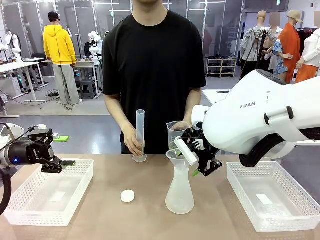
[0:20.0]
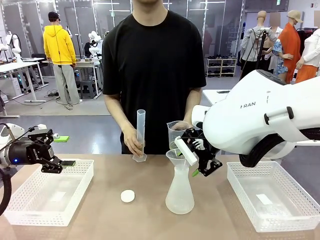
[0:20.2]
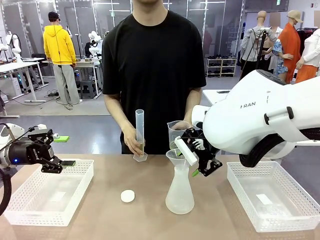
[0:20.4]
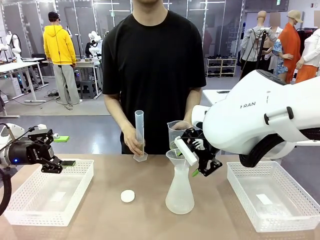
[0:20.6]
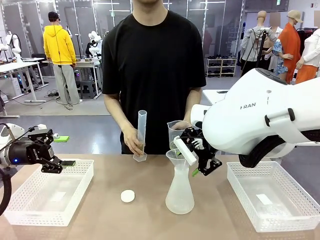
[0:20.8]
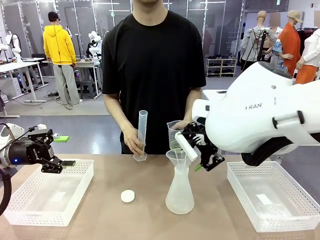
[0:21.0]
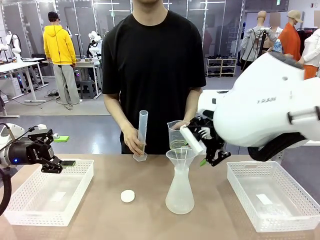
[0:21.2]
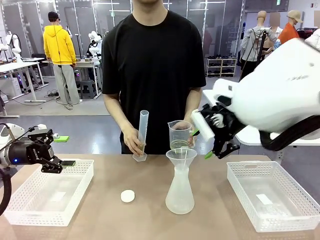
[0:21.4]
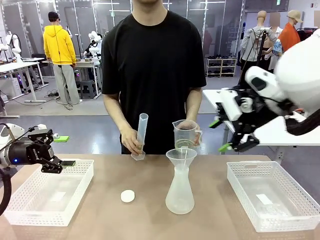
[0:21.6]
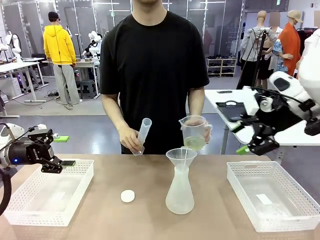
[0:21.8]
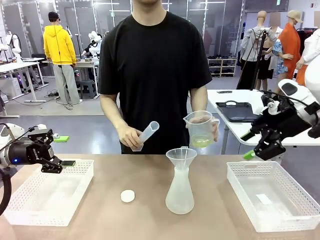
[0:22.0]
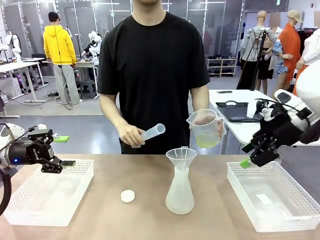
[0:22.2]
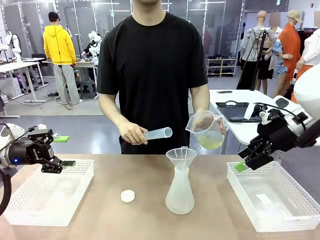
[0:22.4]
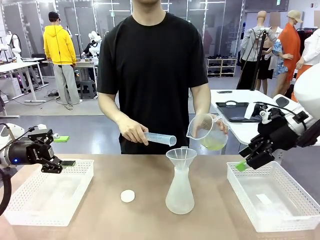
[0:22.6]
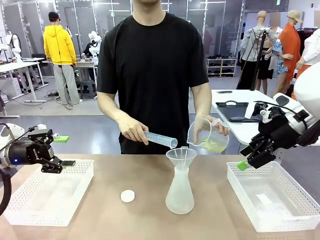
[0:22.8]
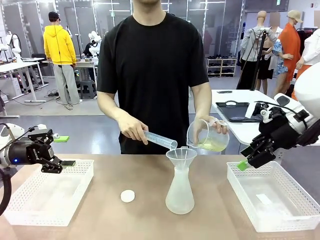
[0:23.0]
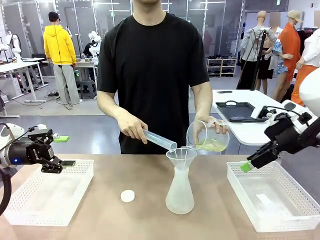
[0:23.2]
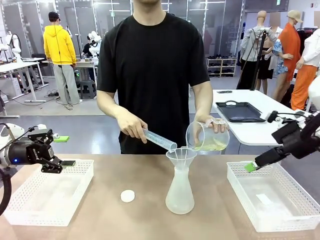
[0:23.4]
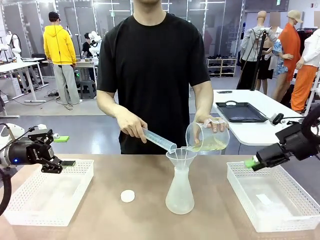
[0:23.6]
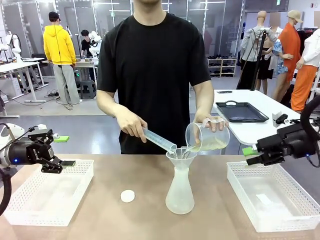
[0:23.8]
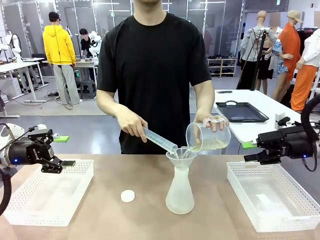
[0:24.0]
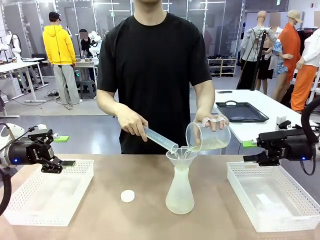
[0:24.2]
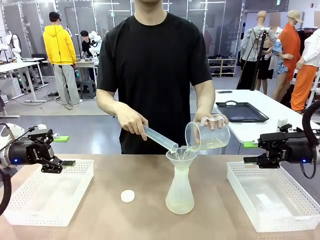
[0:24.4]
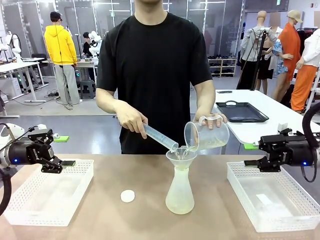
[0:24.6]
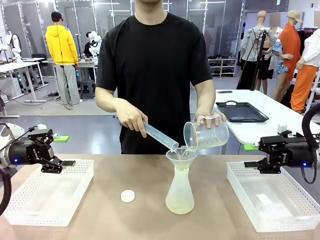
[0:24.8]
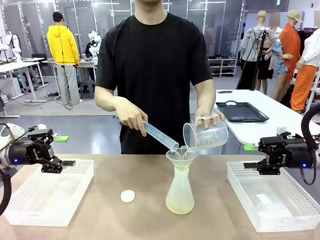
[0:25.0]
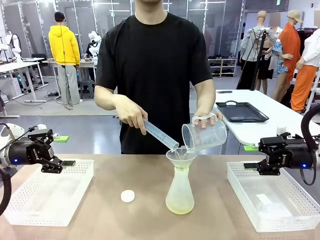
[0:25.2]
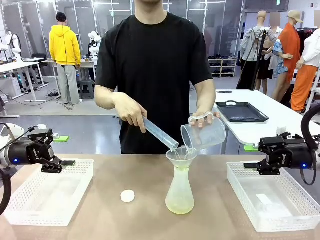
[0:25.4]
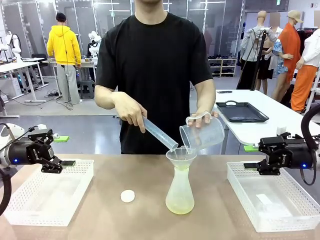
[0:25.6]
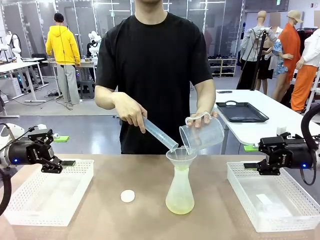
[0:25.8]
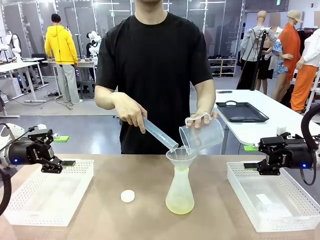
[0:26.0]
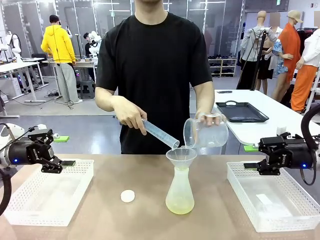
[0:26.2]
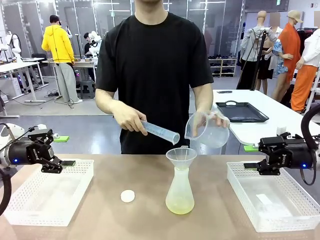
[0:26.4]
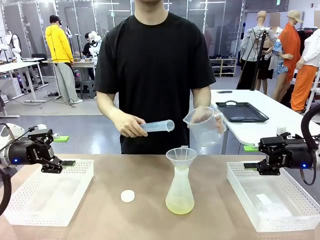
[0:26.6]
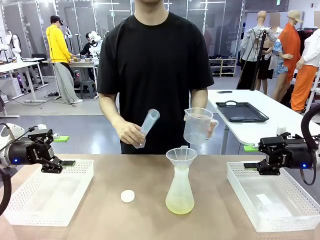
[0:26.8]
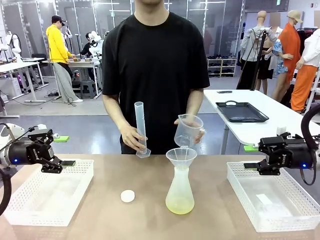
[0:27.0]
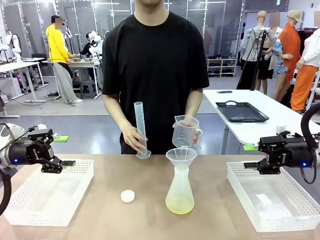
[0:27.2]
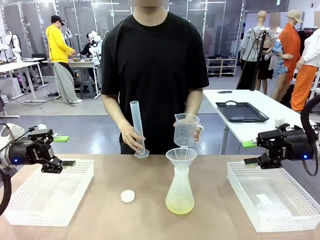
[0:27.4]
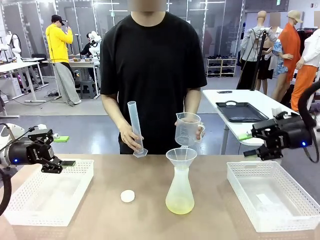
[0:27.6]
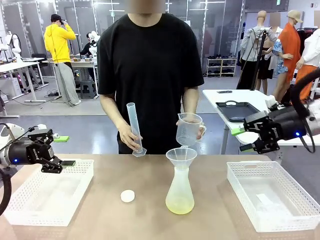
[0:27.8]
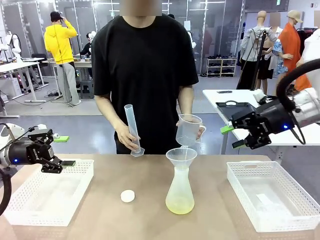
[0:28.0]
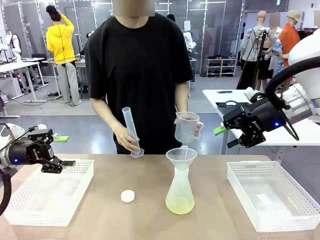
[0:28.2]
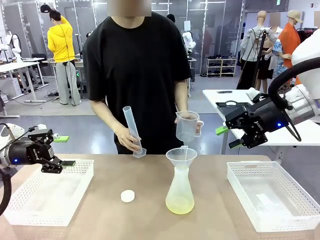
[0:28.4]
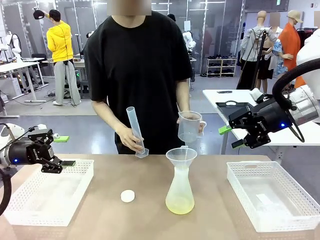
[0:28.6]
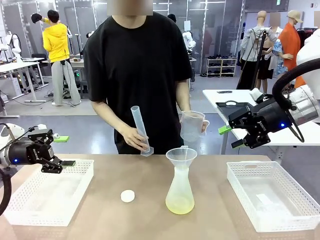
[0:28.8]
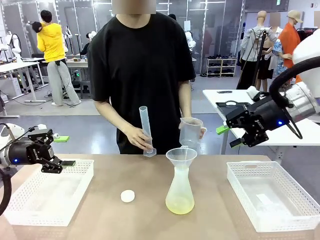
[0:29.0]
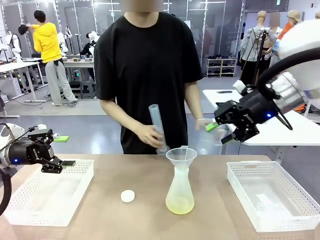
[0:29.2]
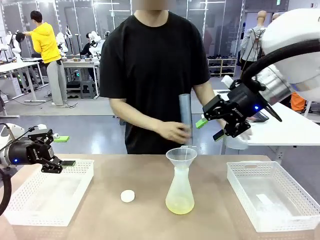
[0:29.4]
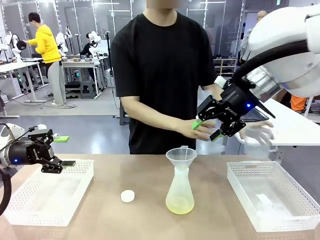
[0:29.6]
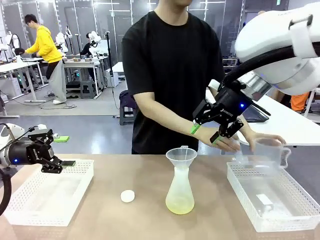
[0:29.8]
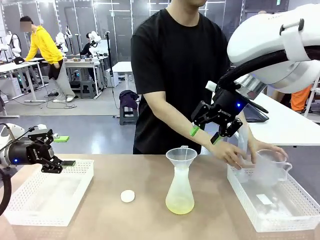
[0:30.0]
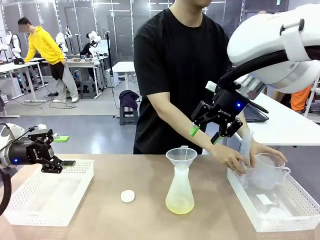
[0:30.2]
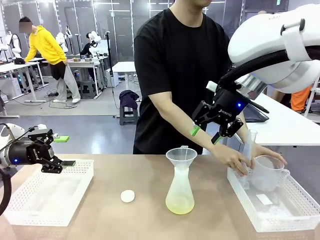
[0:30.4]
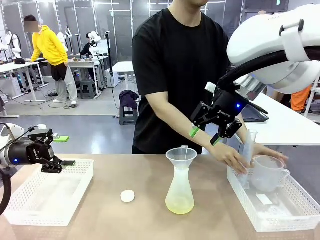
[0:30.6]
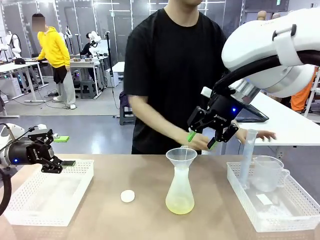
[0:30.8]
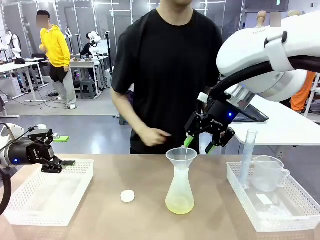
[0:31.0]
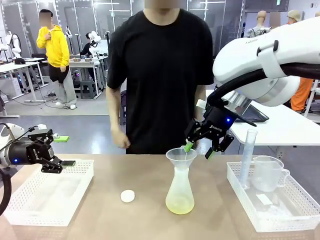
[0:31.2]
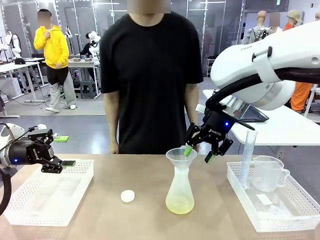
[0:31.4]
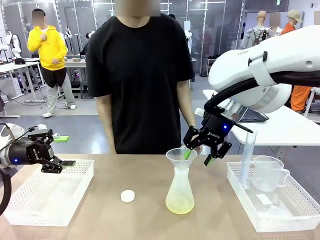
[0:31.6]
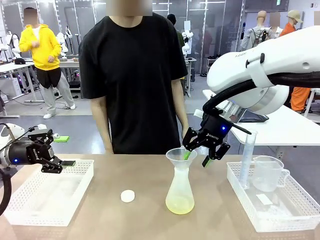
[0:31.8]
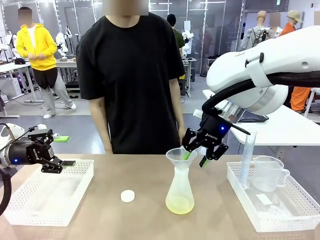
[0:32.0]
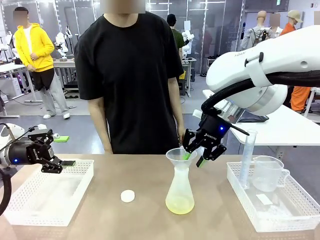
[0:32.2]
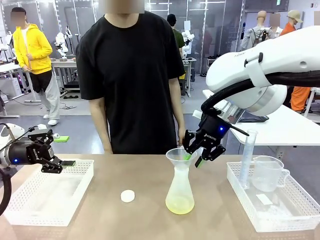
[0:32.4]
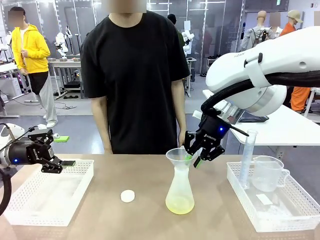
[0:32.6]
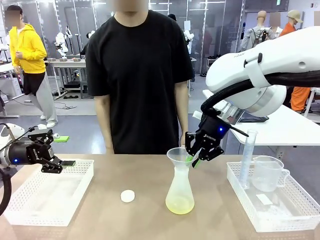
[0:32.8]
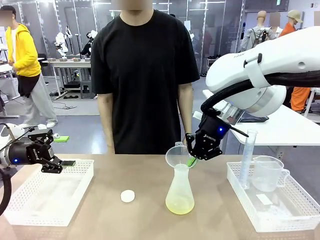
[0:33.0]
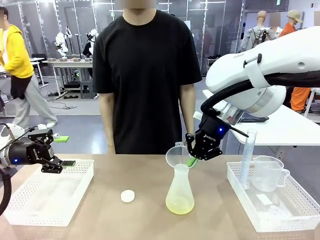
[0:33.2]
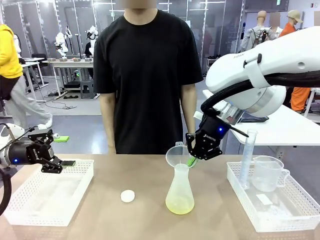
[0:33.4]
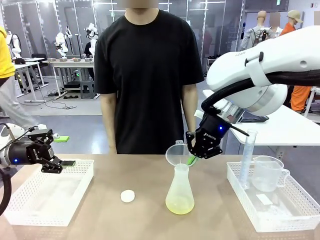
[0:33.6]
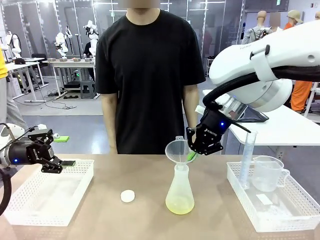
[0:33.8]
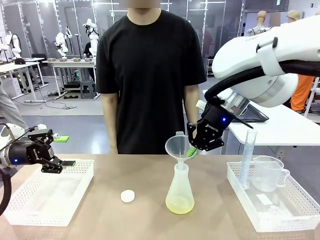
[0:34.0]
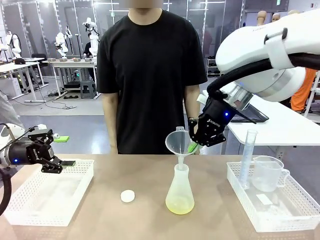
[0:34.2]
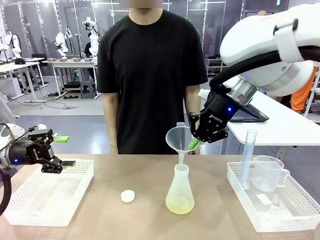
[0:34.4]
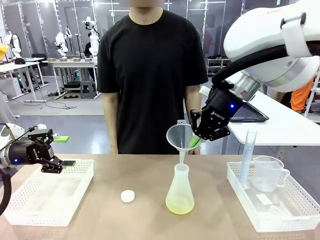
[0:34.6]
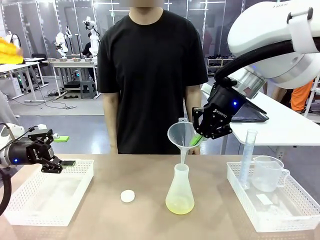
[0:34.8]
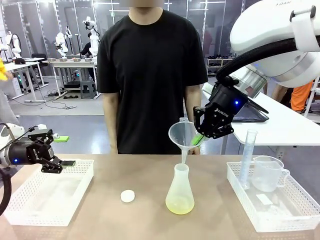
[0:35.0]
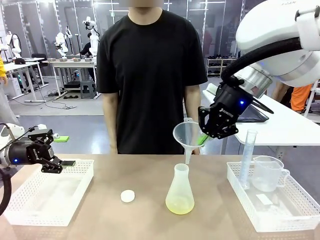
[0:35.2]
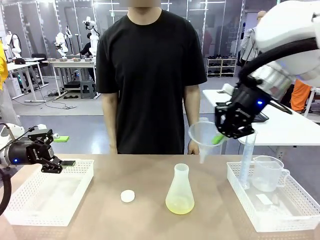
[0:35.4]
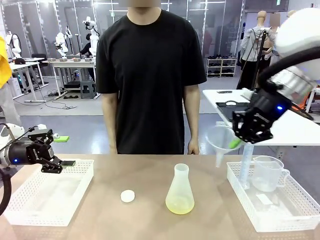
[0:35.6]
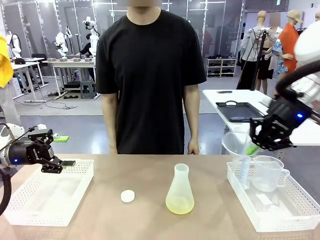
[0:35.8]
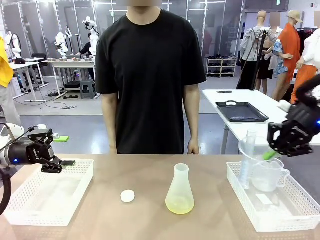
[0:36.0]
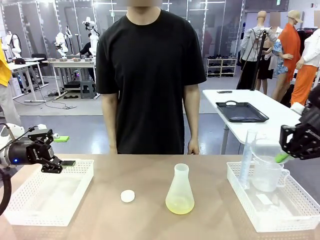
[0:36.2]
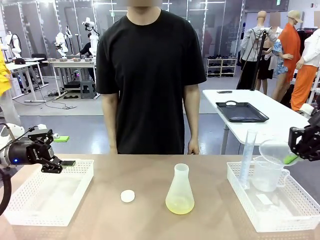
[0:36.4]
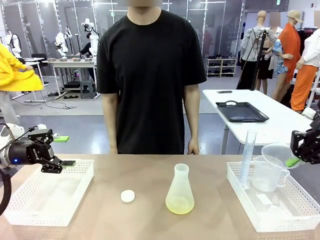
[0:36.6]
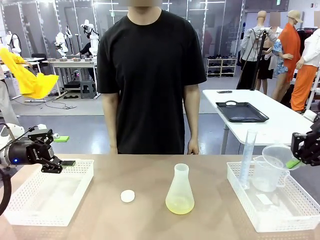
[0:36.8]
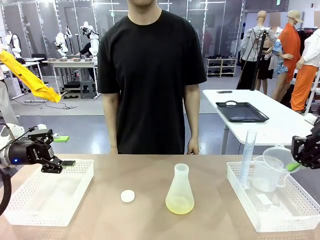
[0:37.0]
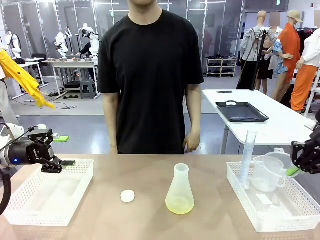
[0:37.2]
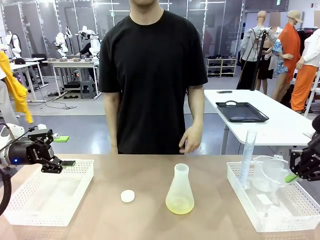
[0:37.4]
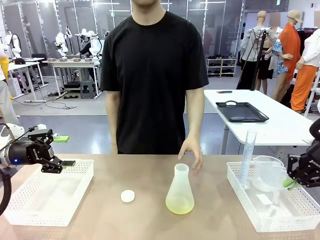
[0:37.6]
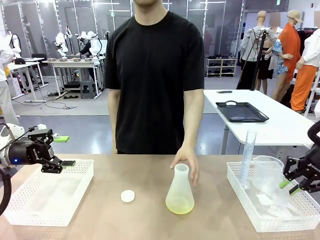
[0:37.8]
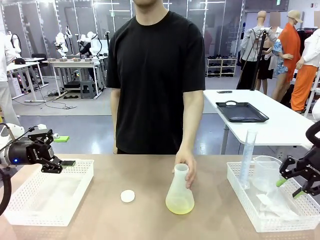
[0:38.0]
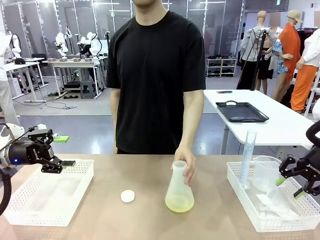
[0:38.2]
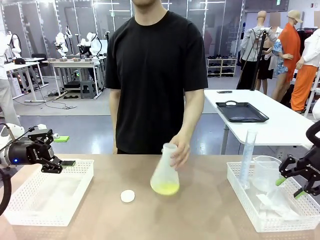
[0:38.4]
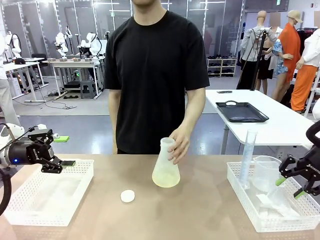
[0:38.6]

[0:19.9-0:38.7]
Task: Prepare the solutions needed for the experiment.
Robot: Once the solution is in the Big flask , pick up the Plastic Funnel and place it back into the right Organizing basket.
Person: Place the beaker and the cylinder into the organizing basket on the left side.
